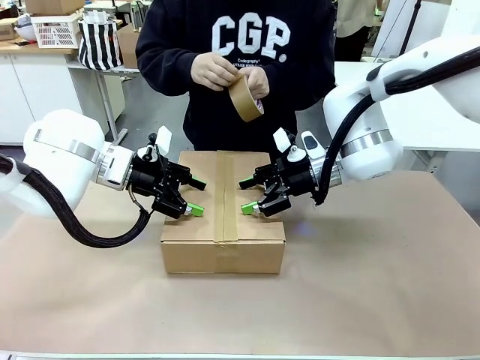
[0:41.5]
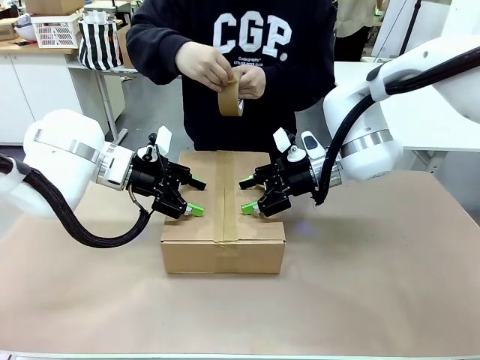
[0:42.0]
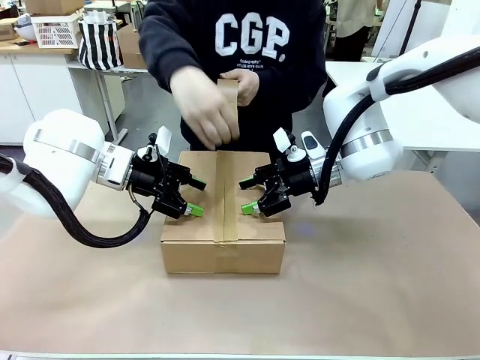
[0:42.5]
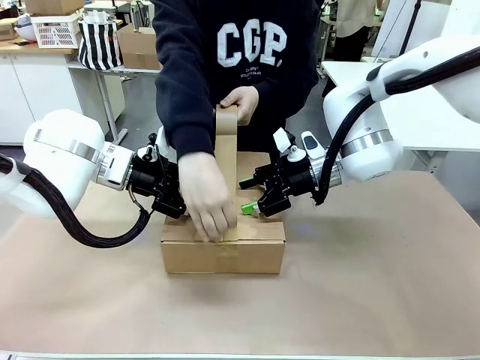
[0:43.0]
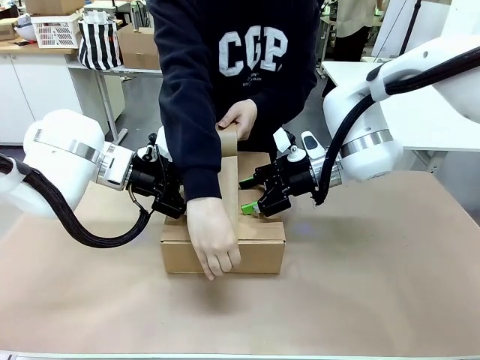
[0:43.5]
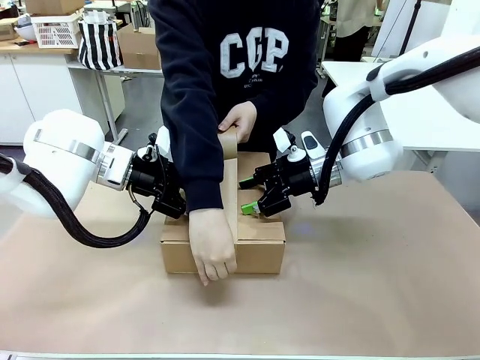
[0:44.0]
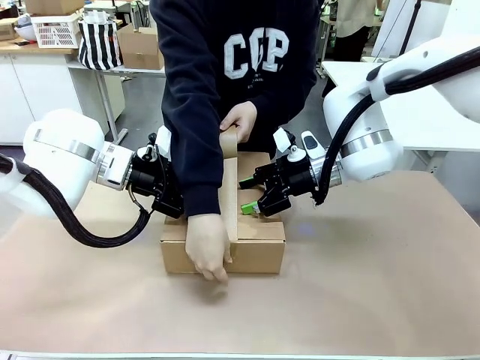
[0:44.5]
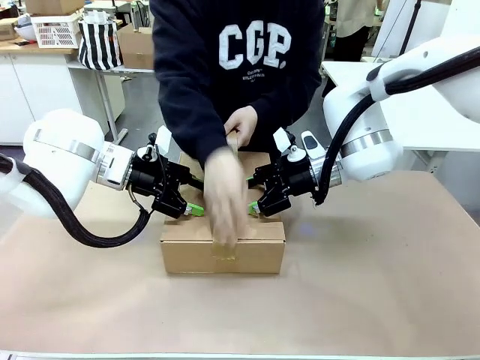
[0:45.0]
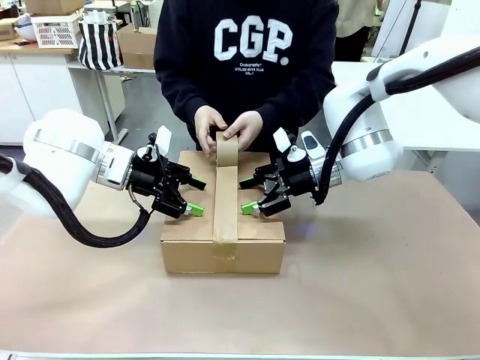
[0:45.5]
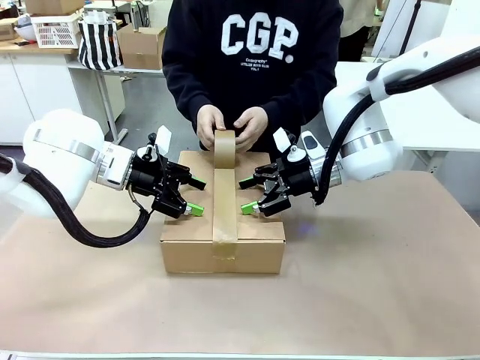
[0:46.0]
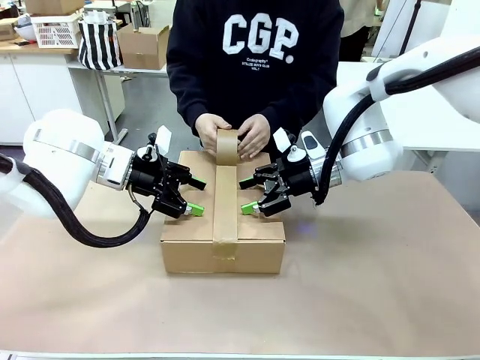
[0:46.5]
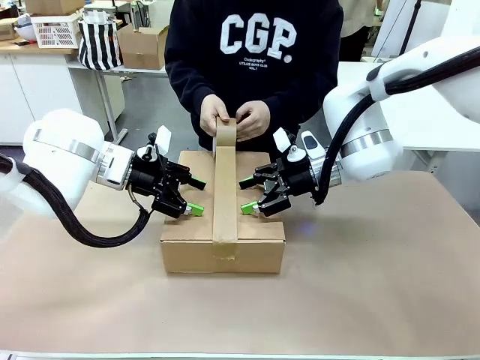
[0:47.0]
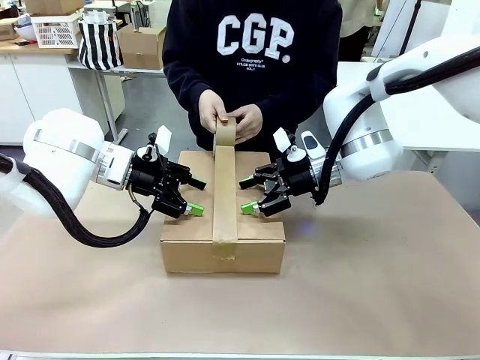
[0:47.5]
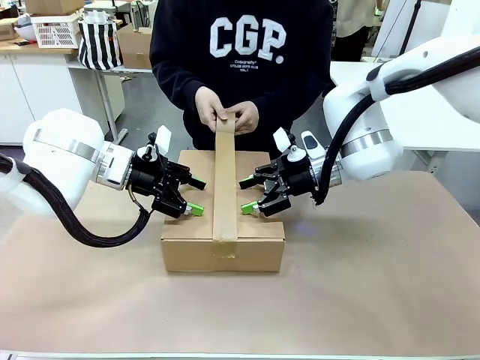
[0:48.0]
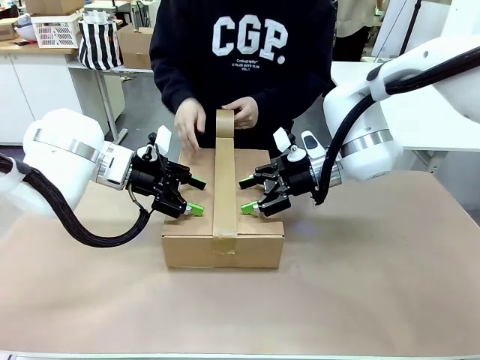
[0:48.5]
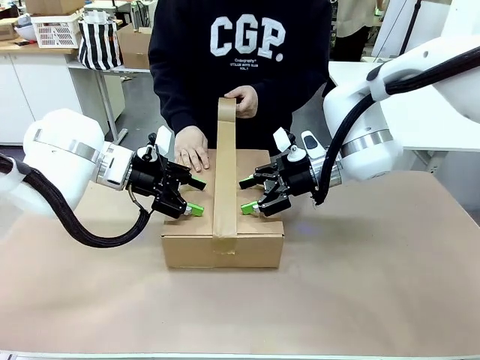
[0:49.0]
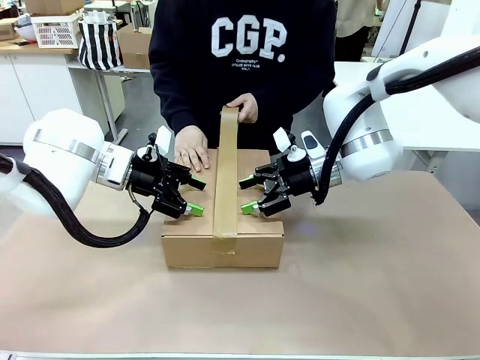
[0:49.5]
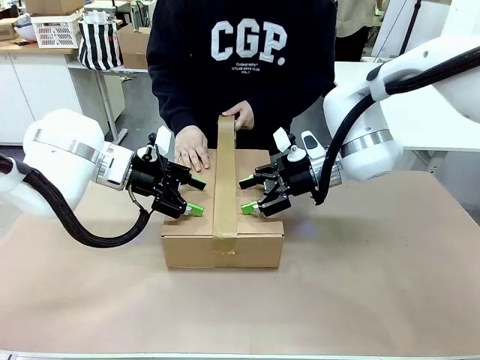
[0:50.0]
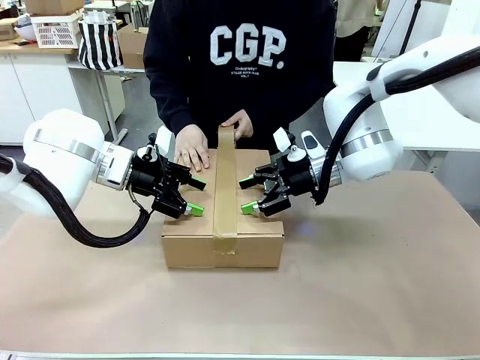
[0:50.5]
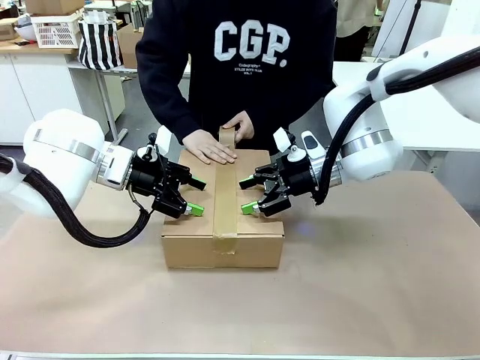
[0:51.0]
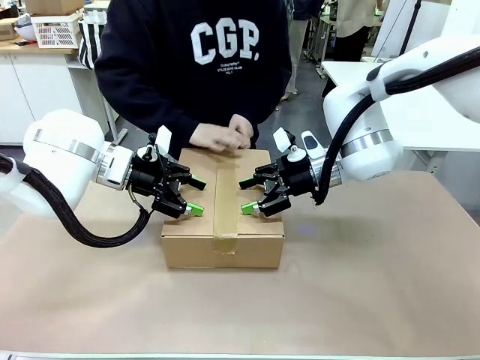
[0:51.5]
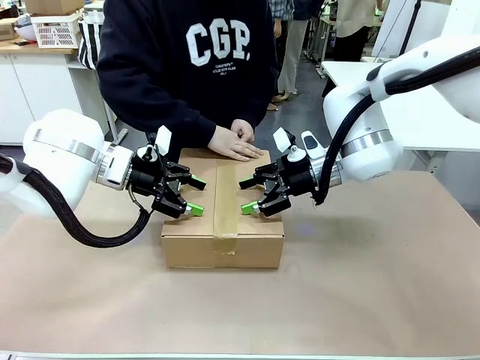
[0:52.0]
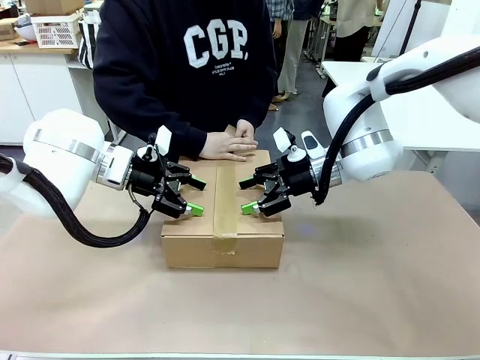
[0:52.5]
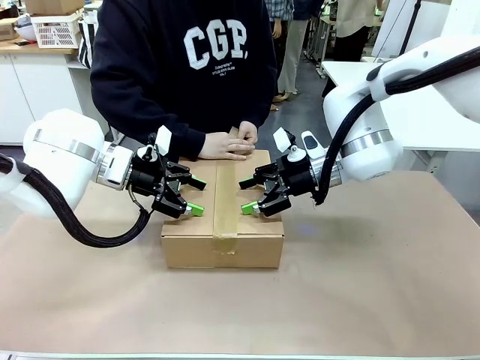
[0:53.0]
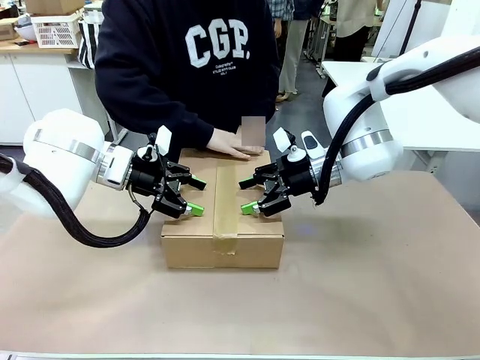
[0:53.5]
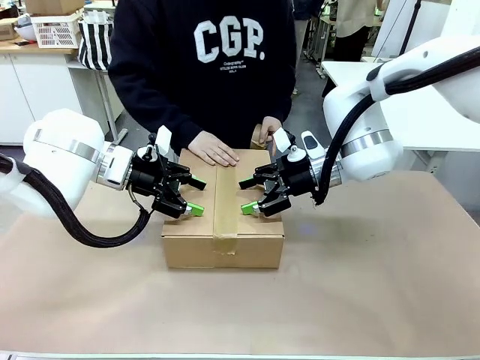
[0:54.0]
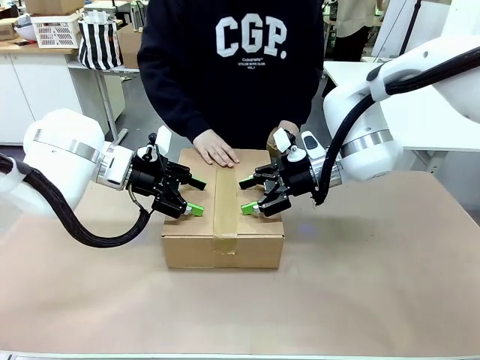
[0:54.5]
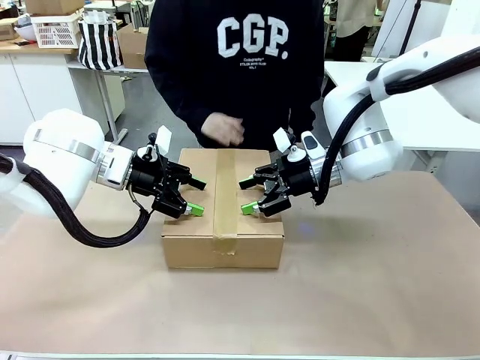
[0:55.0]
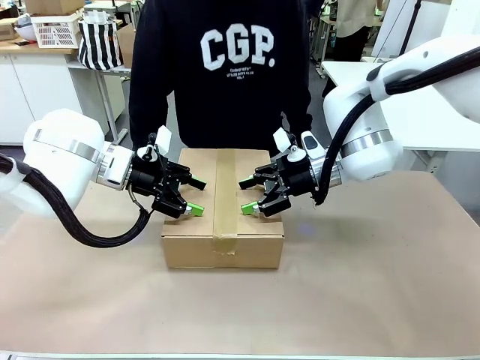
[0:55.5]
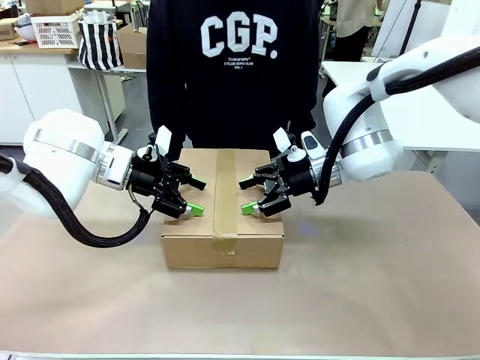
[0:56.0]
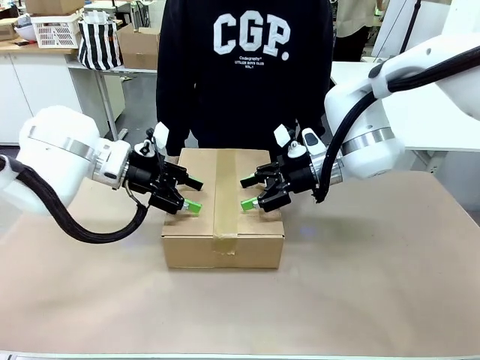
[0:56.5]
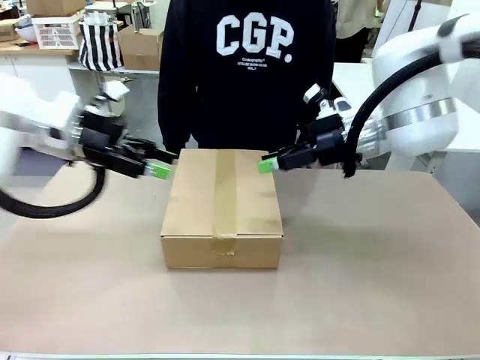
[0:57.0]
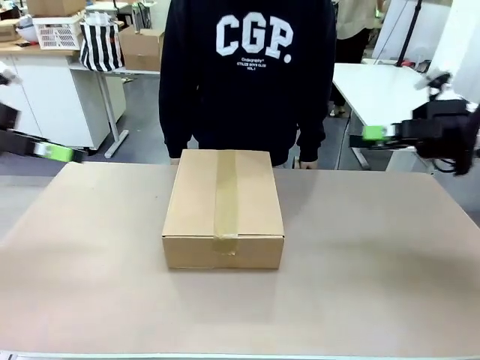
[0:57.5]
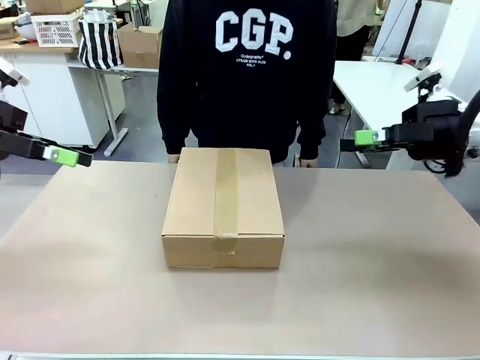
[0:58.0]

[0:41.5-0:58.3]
Task: Pack the gift set into the box.
Robot: Press and hold the closed box until the human finishes sealing it.
Person: The human picks up the paper tape from the human table and packs the box.
